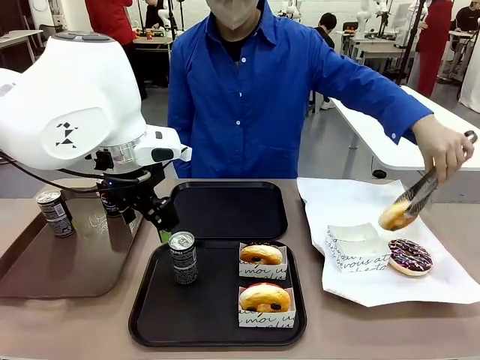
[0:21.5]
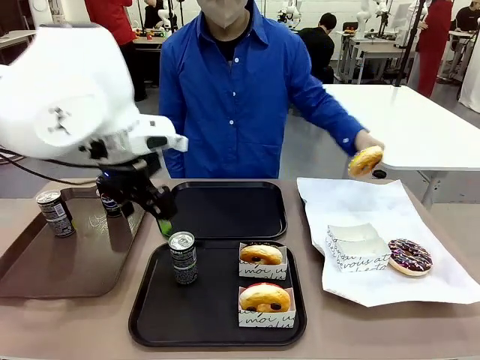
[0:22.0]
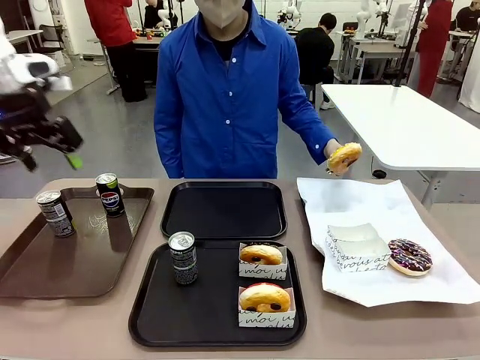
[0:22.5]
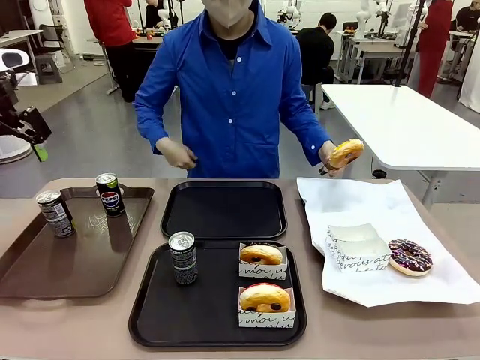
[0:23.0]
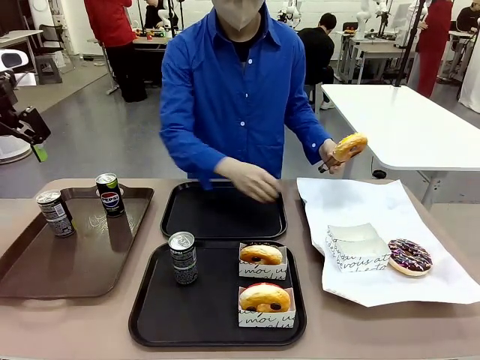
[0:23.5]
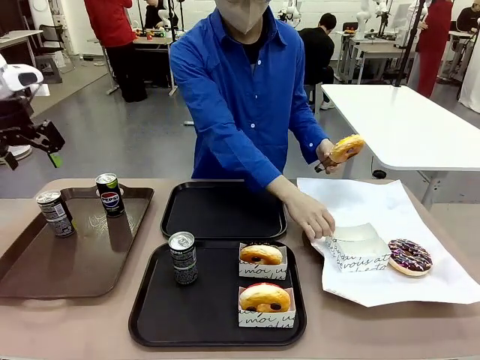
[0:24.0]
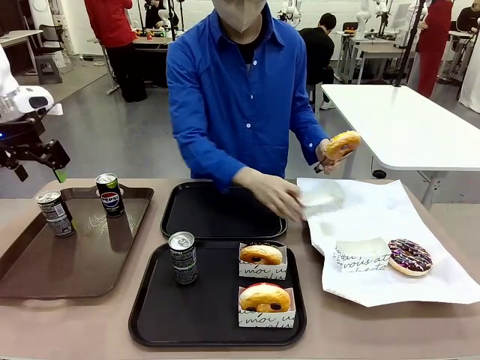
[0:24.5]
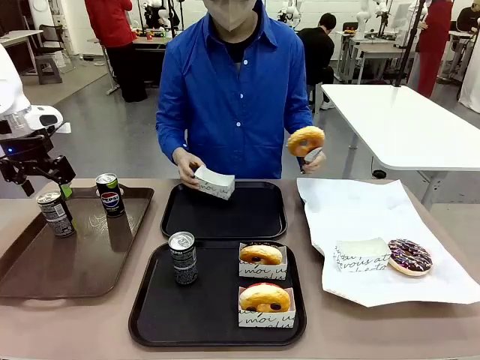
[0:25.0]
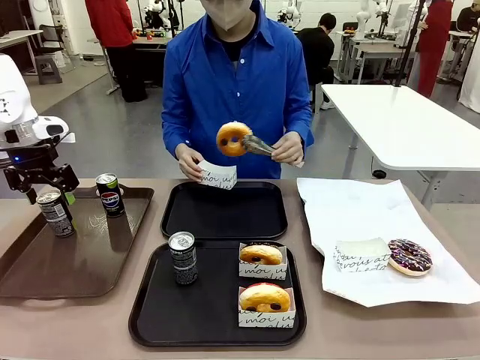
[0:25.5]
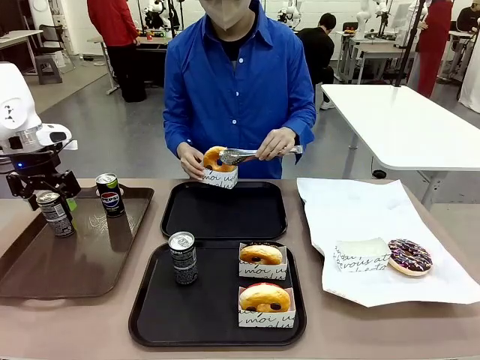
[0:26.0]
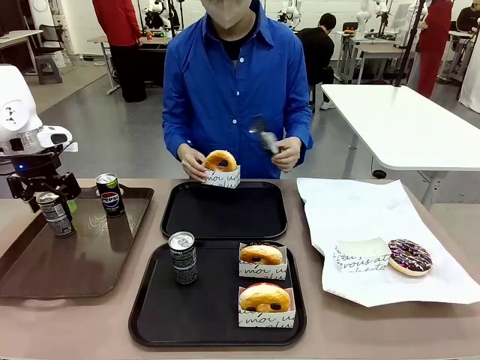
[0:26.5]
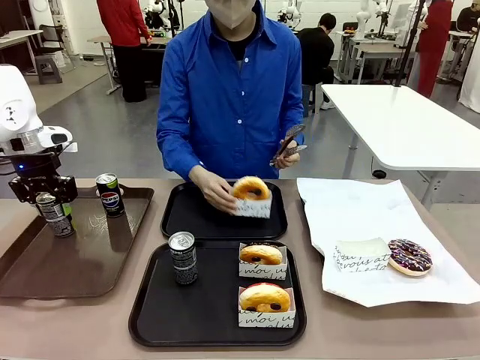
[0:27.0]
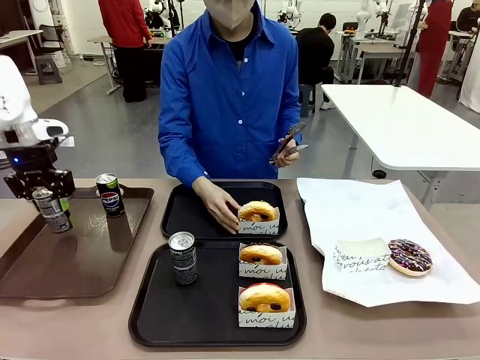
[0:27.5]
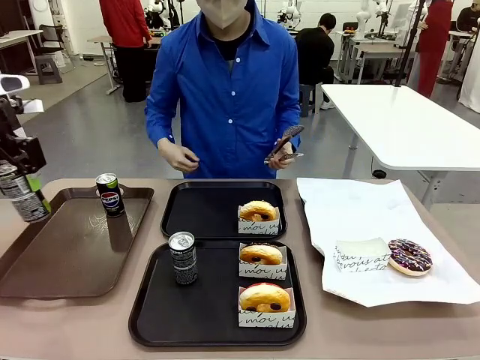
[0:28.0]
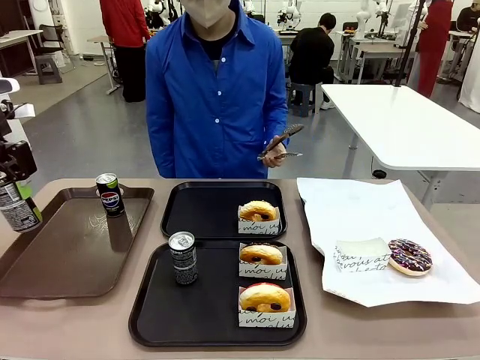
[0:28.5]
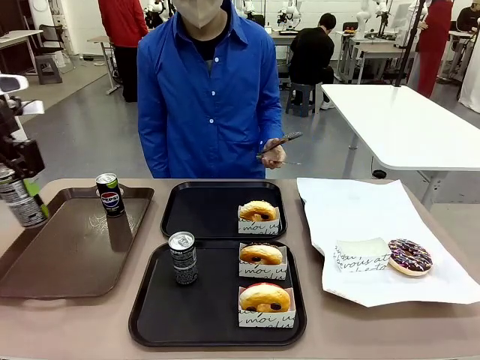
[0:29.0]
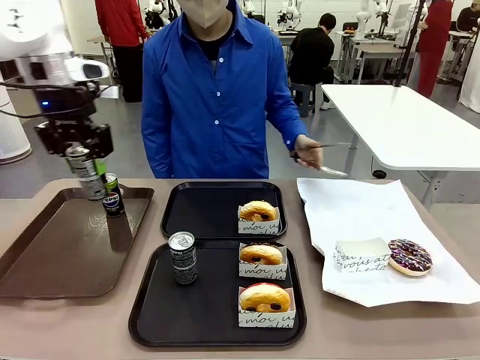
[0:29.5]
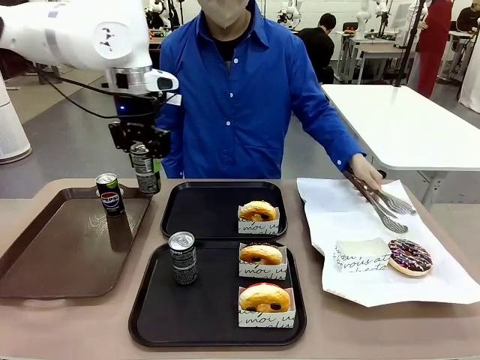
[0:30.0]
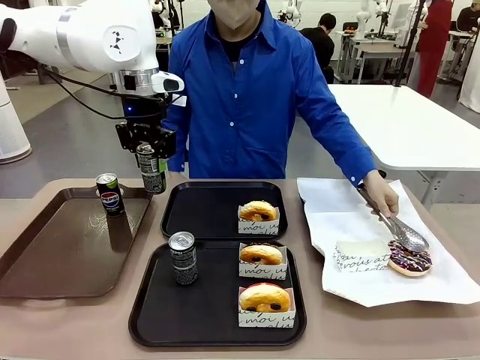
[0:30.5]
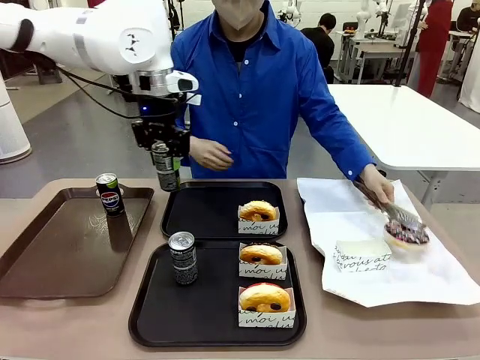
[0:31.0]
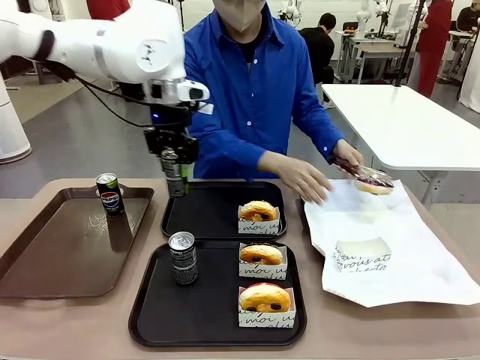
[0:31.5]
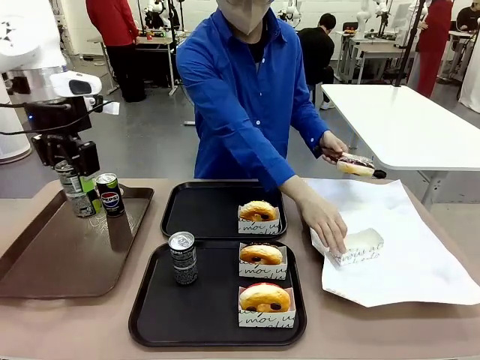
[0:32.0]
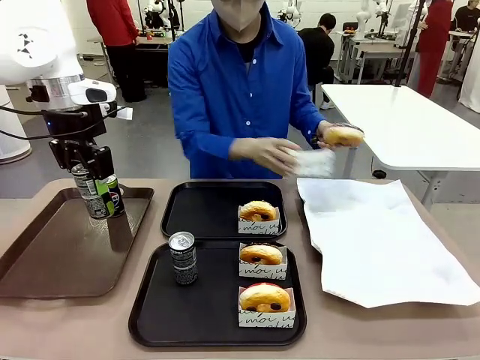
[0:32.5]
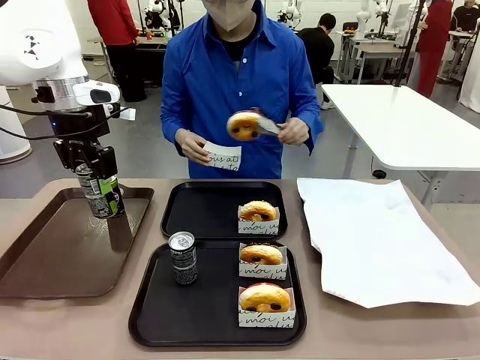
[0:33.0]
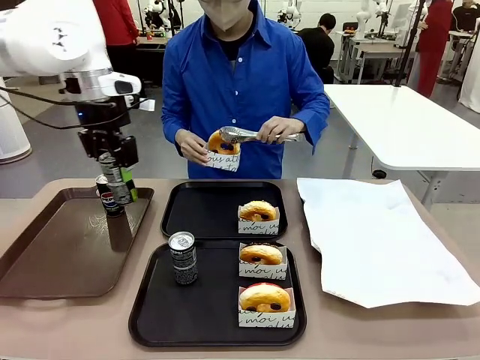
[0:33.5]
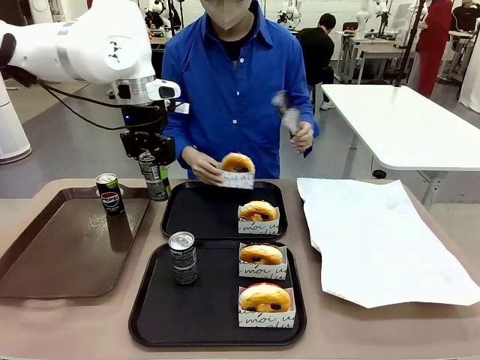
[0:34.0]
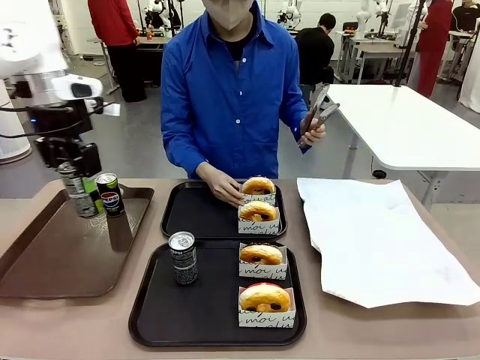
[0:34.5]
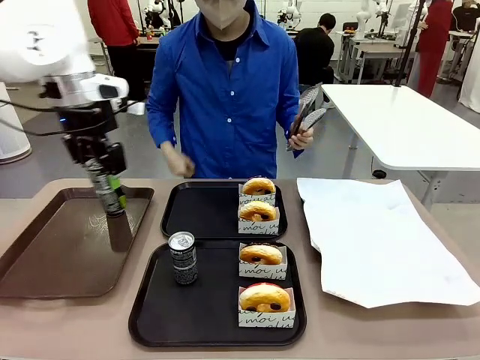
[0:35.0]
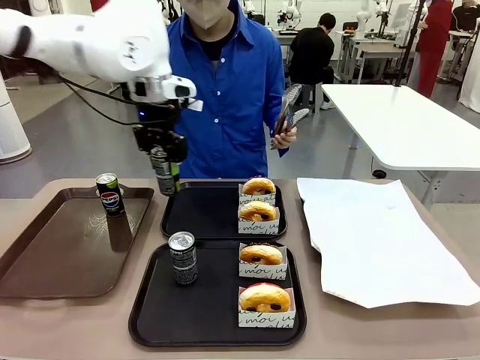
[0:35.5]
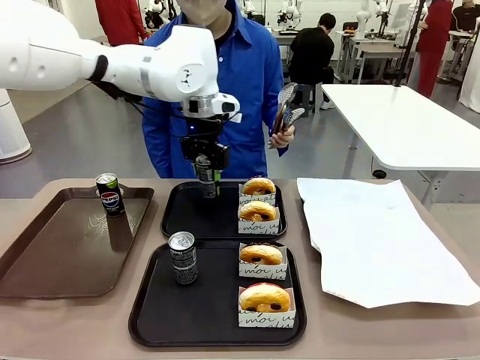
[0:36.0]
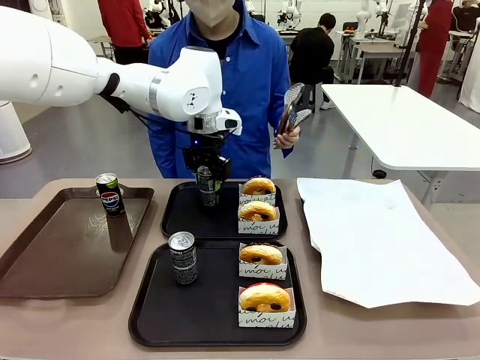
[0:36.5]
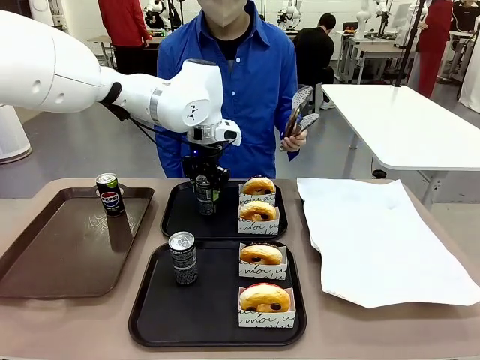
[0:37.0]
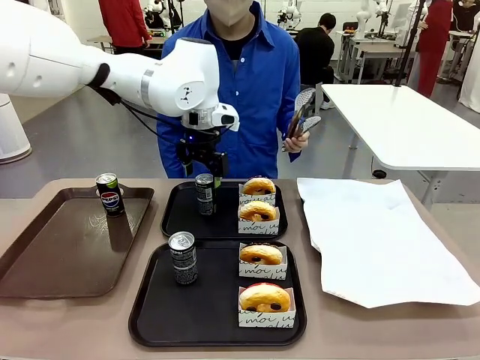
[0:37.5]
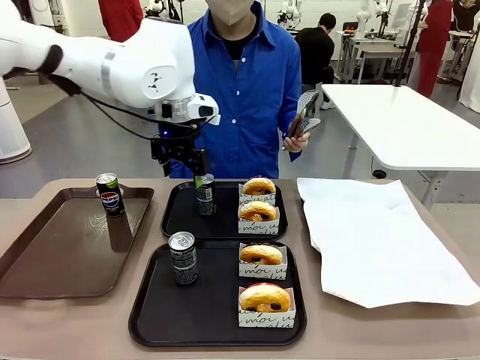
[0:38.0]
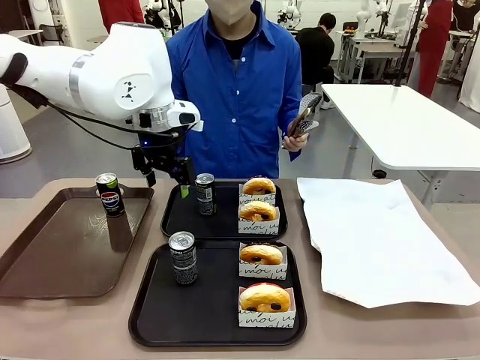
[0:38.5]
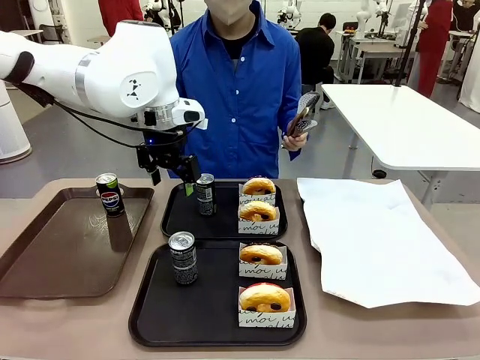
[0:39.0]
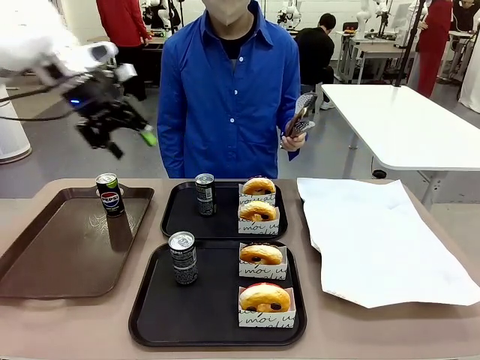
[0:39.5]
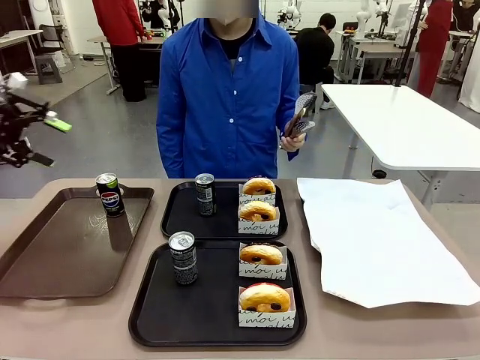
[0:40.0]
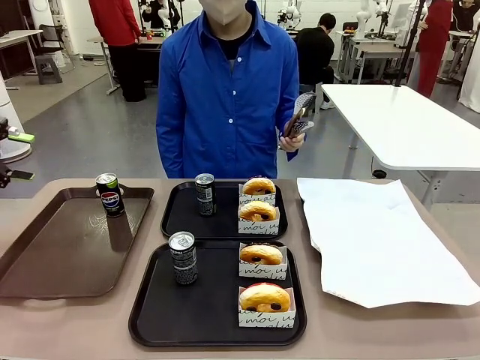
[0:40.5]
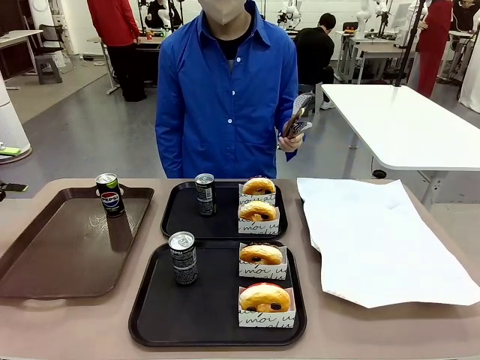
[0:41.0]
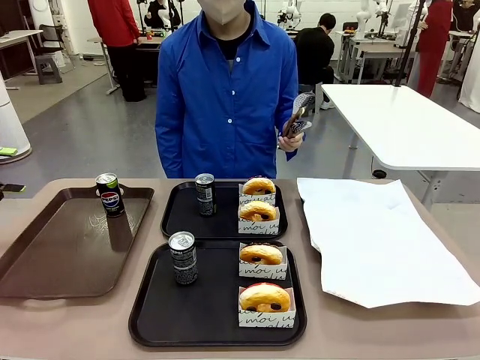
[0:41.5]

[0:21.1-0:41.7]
Task: Set up donuts and drinks on trays.
Robot: Pick up one Pepsi coke from the Handle tray and place it on the Flat Tray without a Pepsi coke.

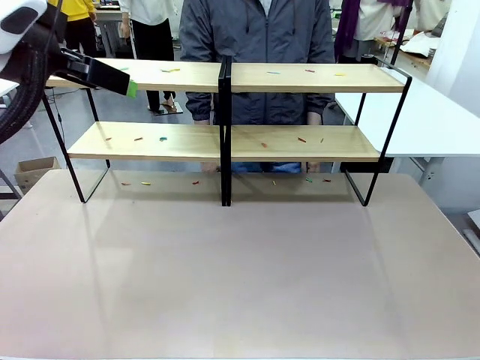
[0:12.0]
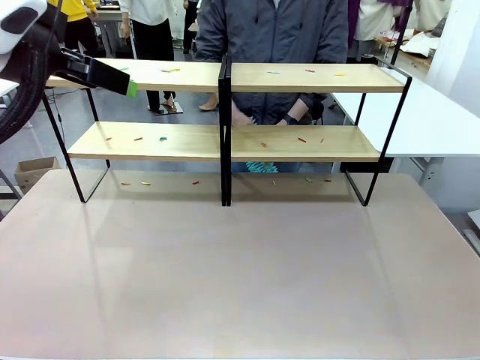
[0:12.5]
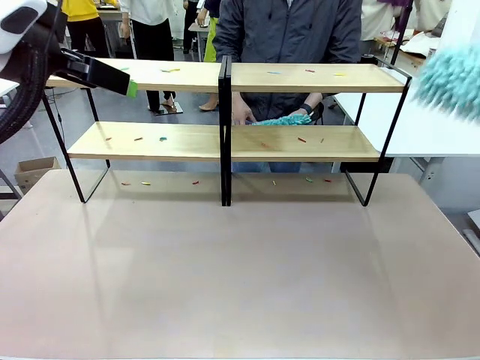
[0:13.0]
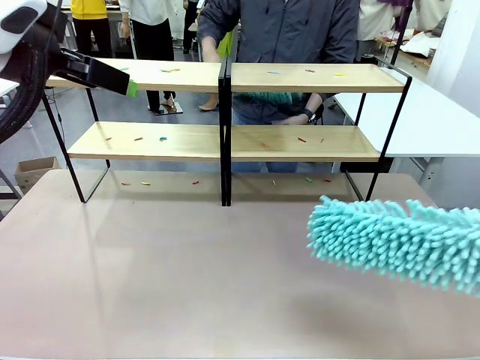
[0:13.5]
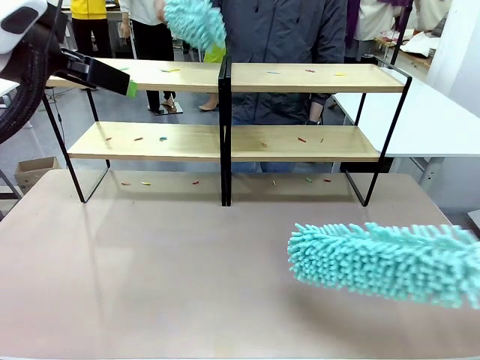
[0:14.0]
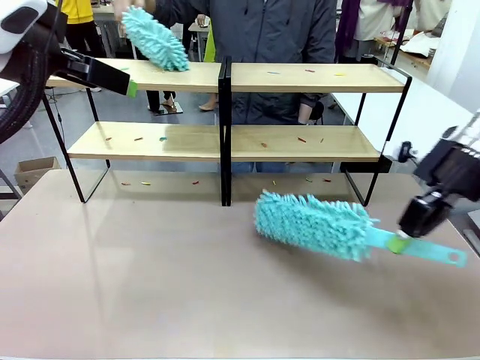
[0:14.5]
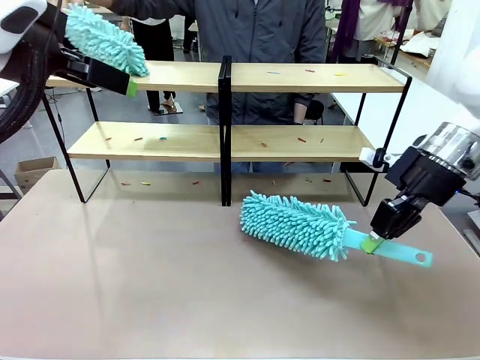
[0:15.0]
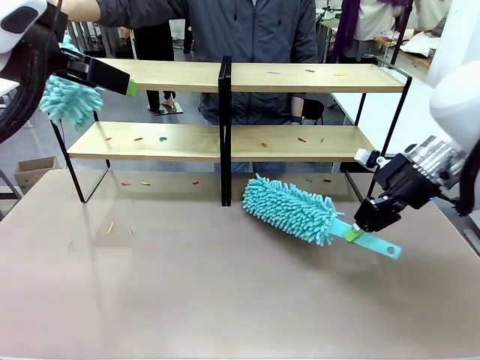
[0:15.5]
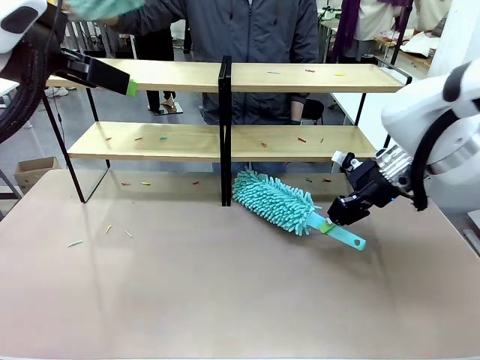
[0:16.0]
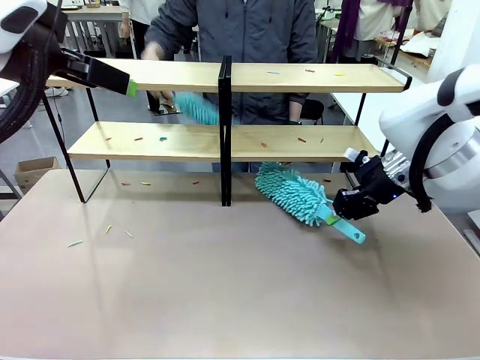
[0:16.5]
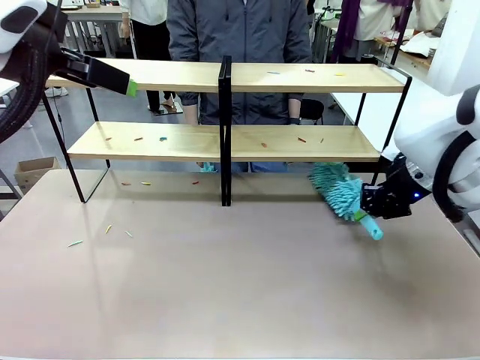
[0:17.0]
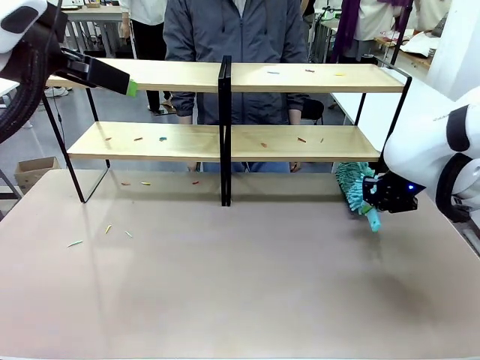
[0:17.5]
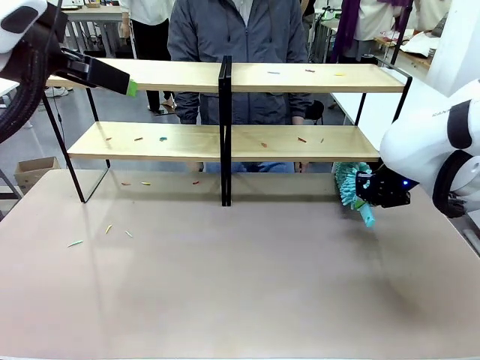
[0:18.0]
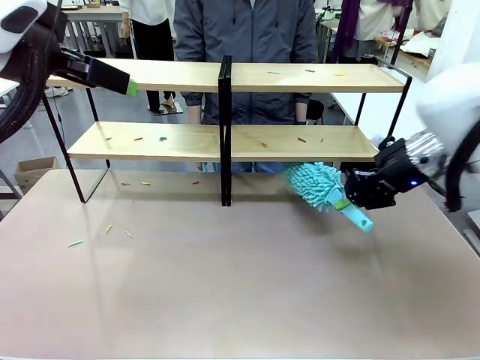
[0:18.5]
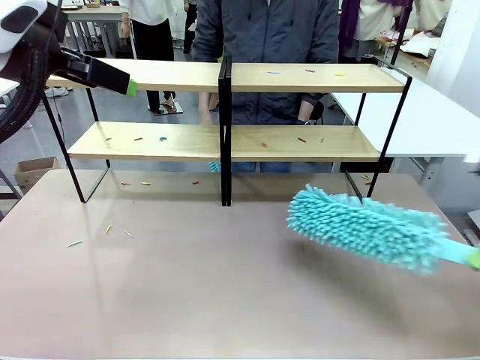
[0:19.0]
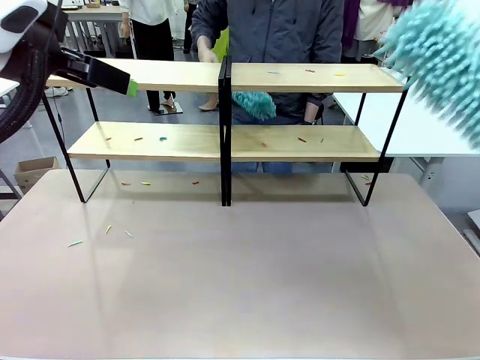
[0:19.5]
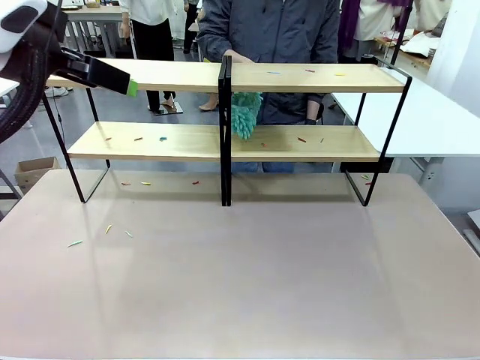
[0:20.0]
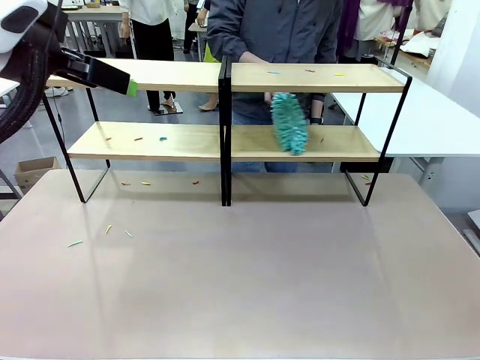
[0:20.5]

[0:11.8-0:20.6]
Task: Clean the shelves.
Robot: Clean a randomly selected level of the Shelf with the Duster.
